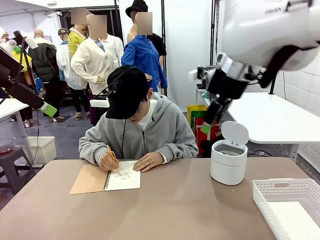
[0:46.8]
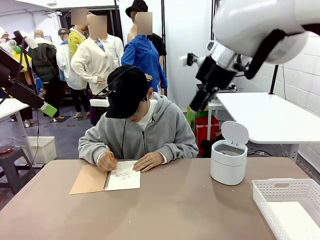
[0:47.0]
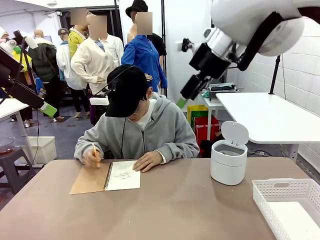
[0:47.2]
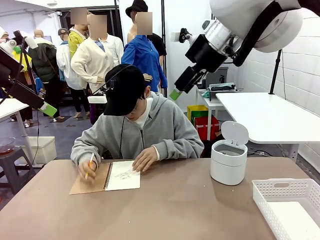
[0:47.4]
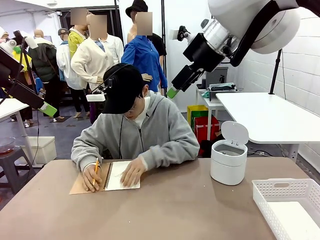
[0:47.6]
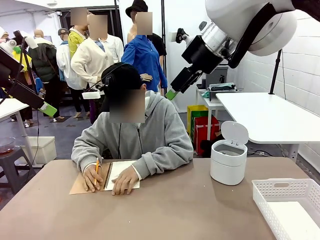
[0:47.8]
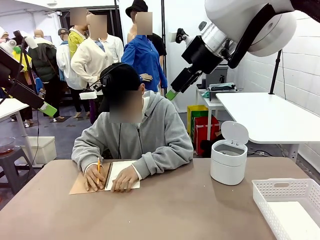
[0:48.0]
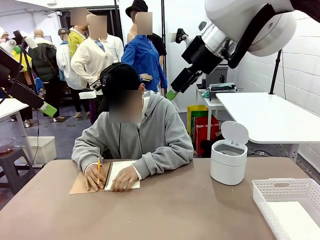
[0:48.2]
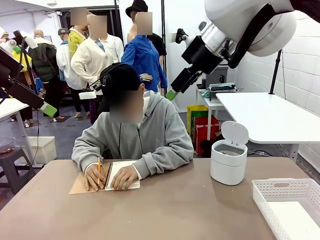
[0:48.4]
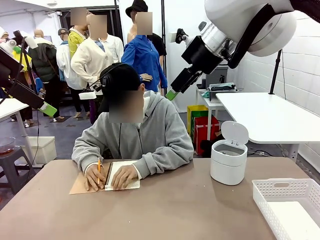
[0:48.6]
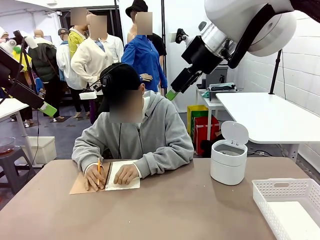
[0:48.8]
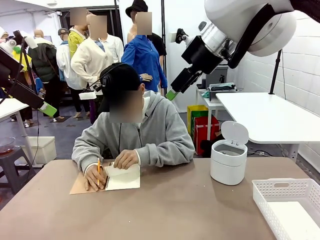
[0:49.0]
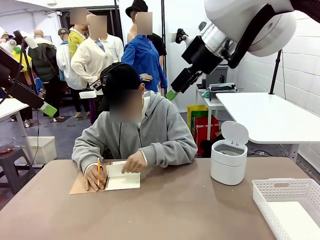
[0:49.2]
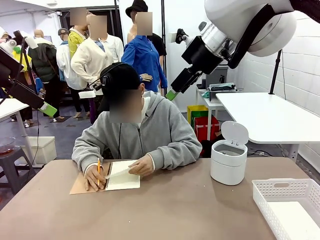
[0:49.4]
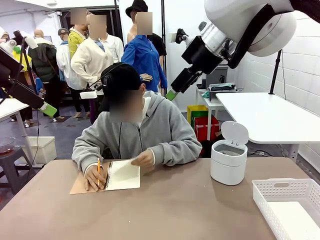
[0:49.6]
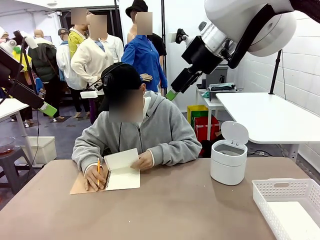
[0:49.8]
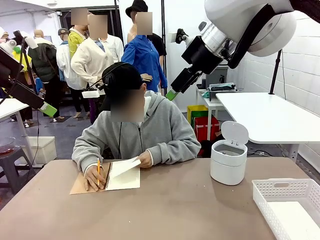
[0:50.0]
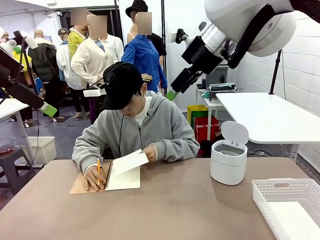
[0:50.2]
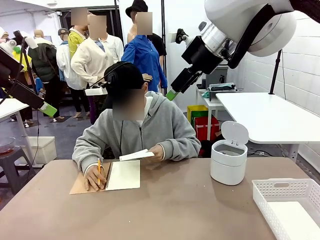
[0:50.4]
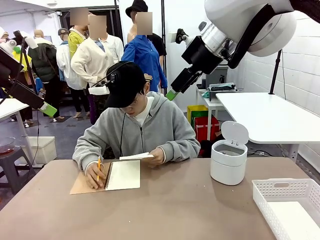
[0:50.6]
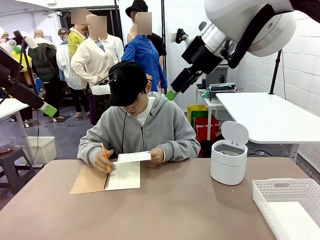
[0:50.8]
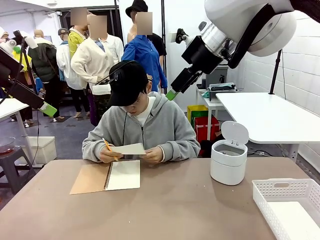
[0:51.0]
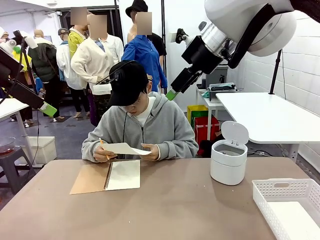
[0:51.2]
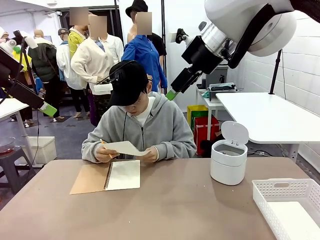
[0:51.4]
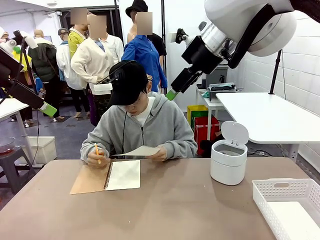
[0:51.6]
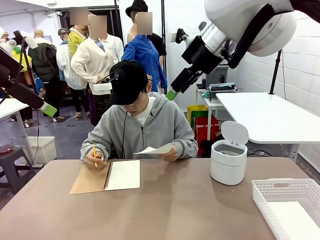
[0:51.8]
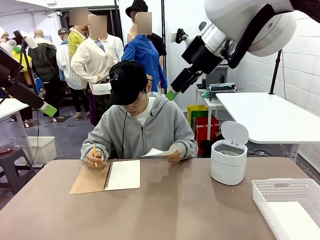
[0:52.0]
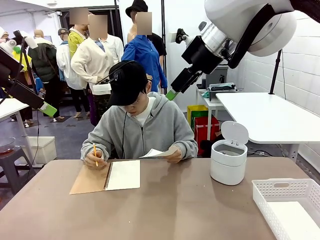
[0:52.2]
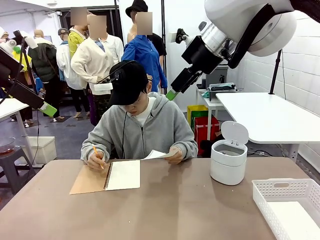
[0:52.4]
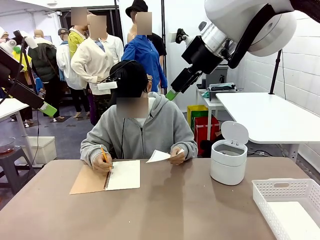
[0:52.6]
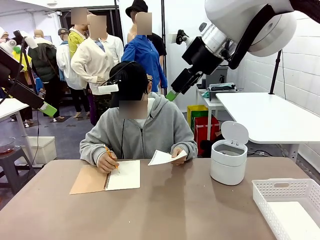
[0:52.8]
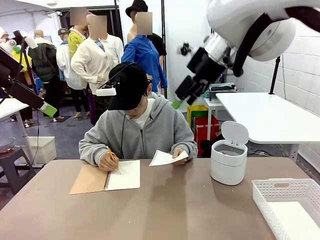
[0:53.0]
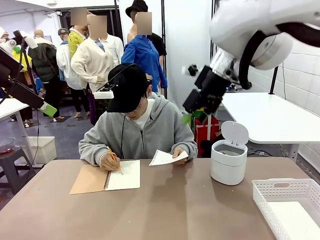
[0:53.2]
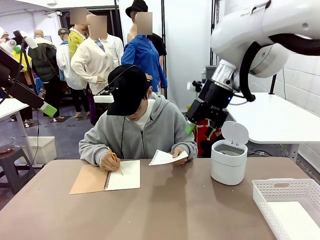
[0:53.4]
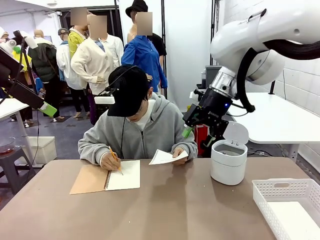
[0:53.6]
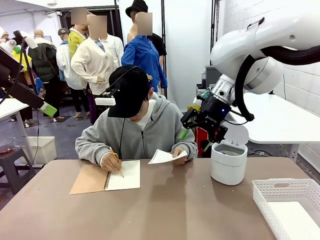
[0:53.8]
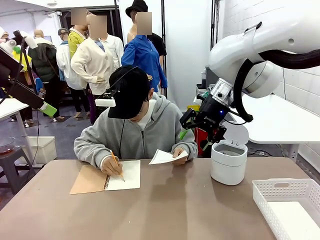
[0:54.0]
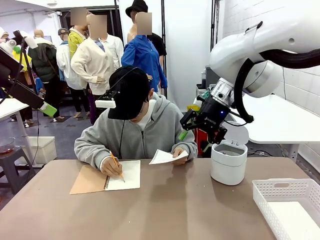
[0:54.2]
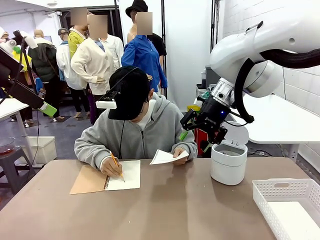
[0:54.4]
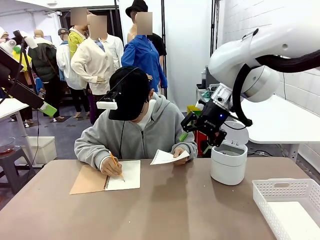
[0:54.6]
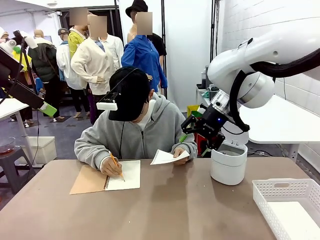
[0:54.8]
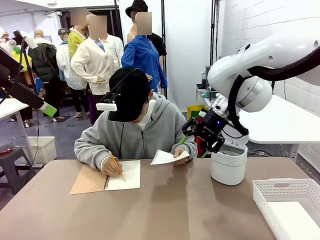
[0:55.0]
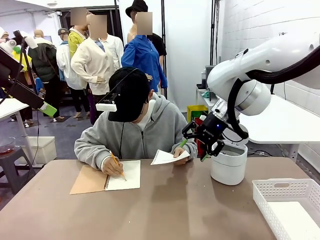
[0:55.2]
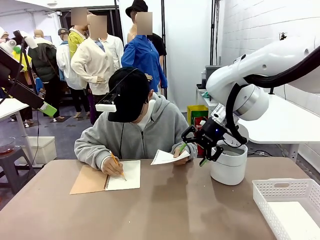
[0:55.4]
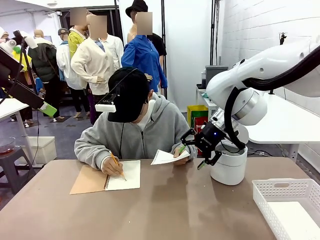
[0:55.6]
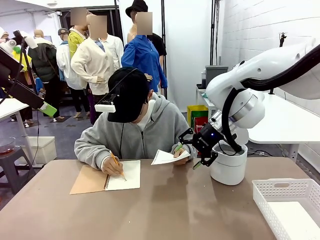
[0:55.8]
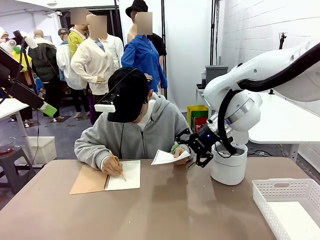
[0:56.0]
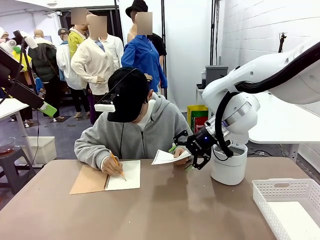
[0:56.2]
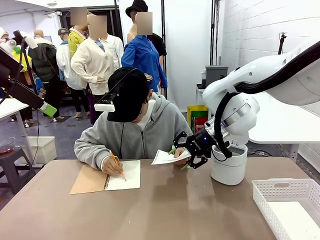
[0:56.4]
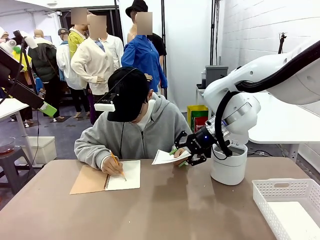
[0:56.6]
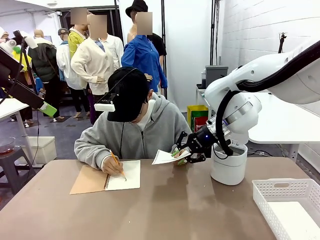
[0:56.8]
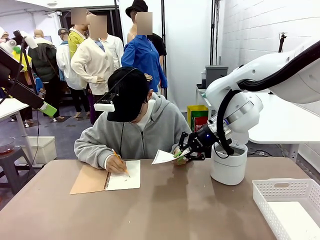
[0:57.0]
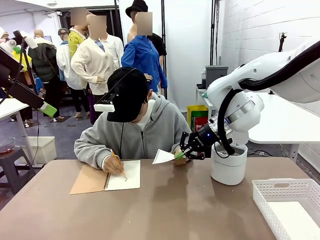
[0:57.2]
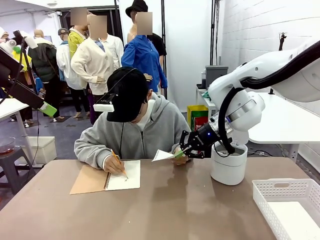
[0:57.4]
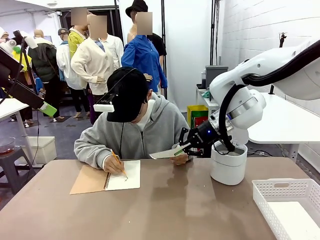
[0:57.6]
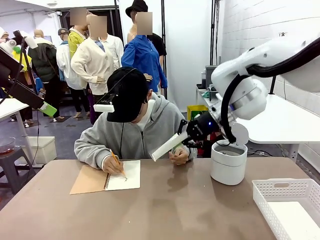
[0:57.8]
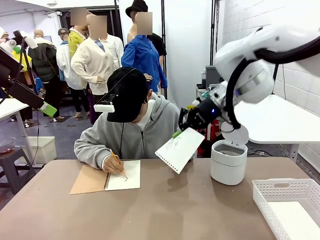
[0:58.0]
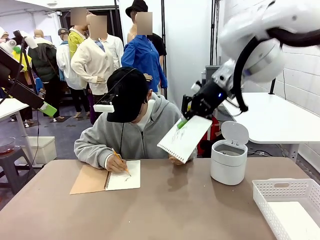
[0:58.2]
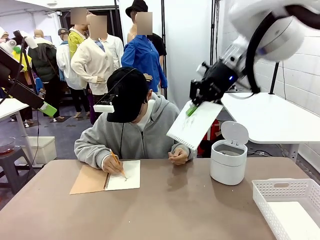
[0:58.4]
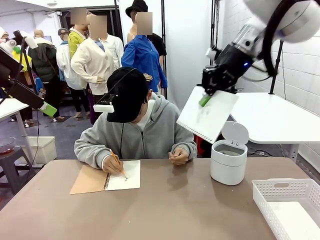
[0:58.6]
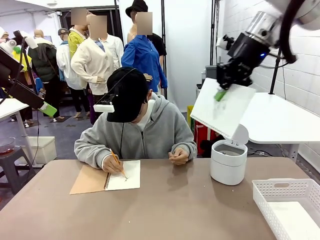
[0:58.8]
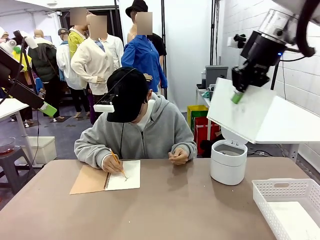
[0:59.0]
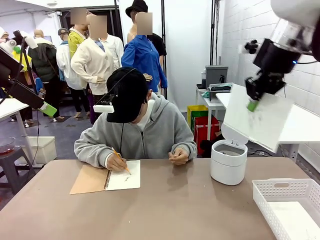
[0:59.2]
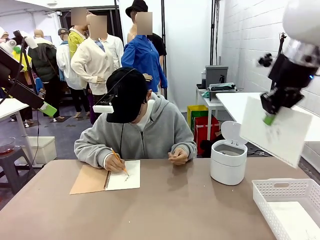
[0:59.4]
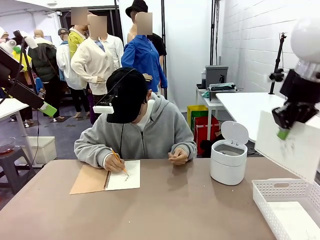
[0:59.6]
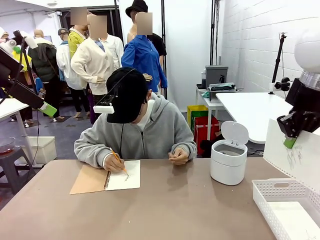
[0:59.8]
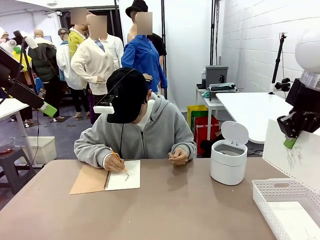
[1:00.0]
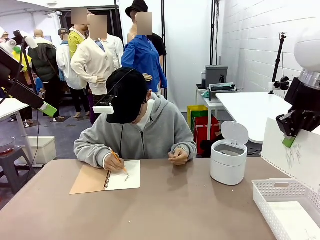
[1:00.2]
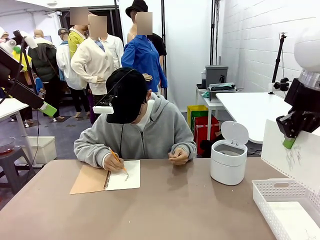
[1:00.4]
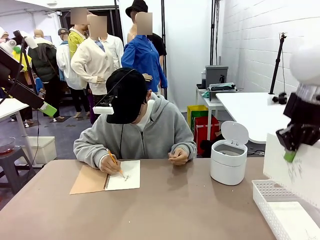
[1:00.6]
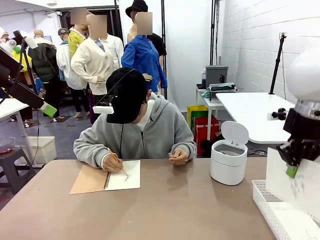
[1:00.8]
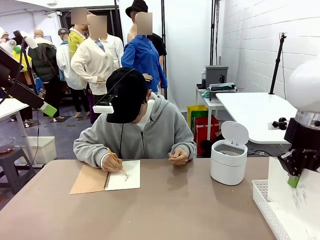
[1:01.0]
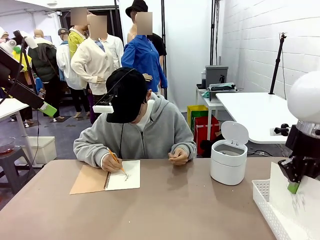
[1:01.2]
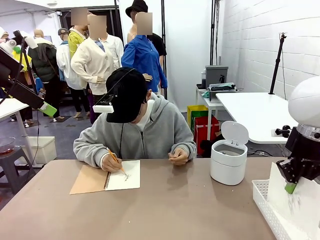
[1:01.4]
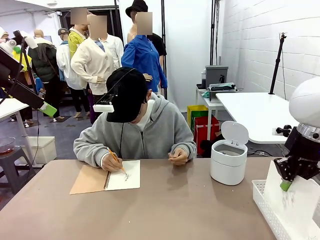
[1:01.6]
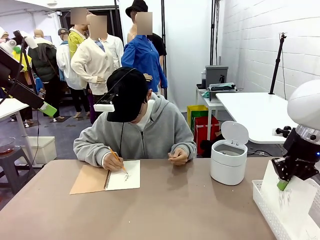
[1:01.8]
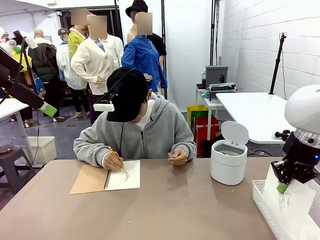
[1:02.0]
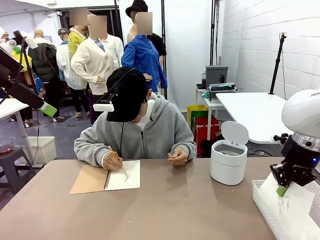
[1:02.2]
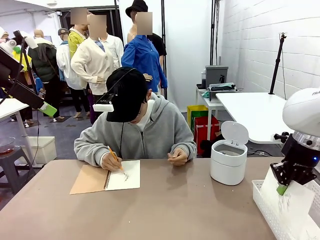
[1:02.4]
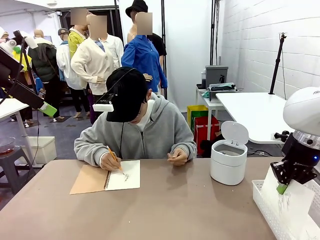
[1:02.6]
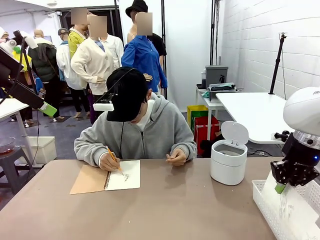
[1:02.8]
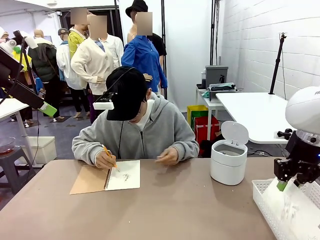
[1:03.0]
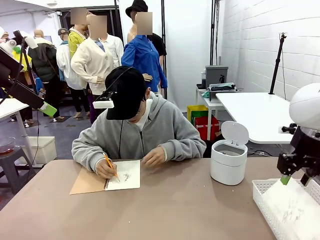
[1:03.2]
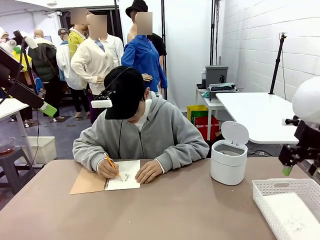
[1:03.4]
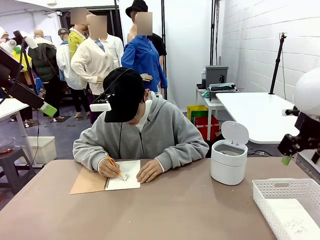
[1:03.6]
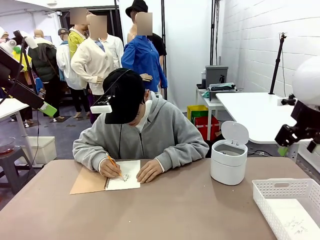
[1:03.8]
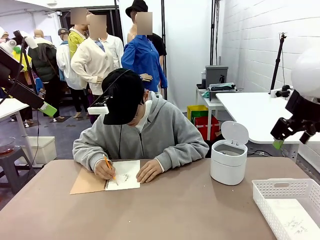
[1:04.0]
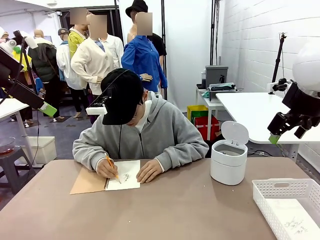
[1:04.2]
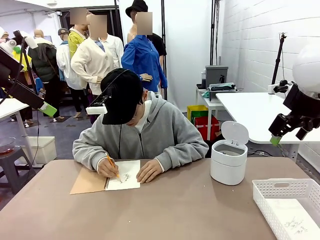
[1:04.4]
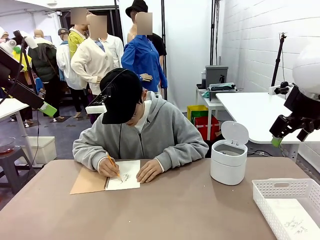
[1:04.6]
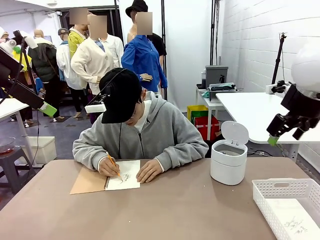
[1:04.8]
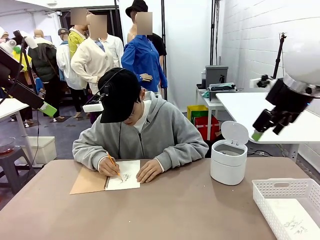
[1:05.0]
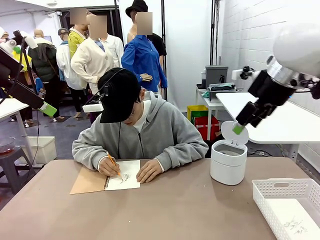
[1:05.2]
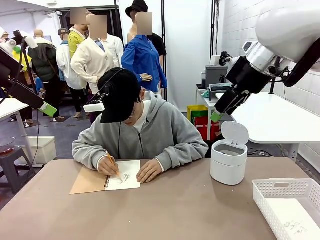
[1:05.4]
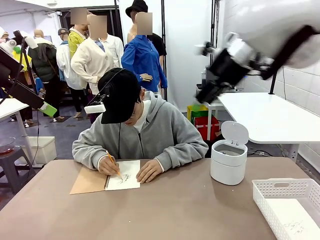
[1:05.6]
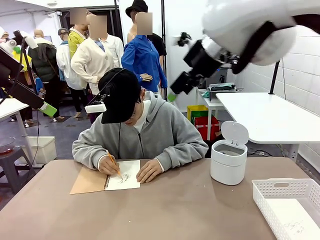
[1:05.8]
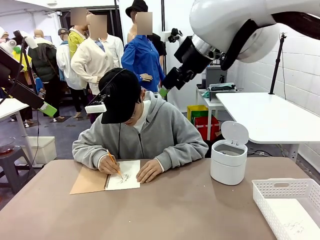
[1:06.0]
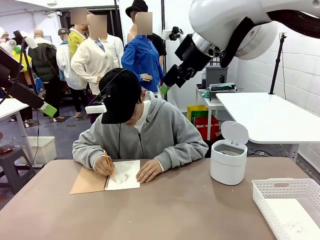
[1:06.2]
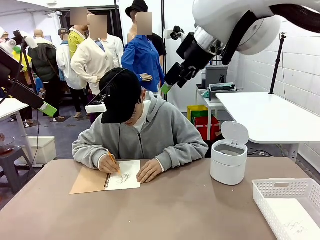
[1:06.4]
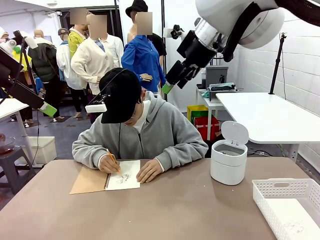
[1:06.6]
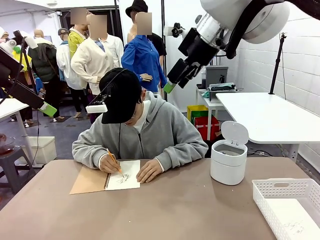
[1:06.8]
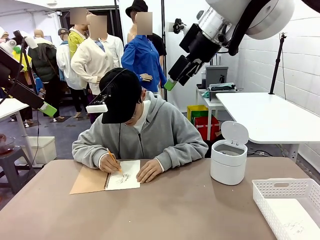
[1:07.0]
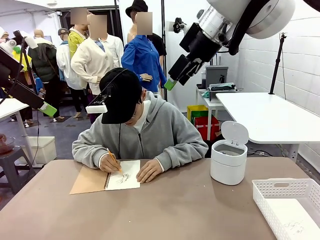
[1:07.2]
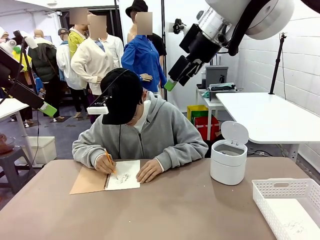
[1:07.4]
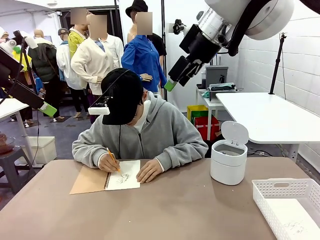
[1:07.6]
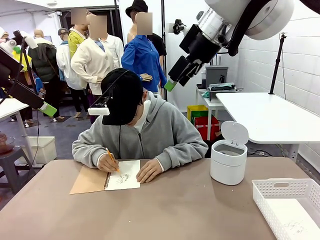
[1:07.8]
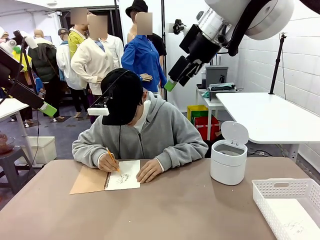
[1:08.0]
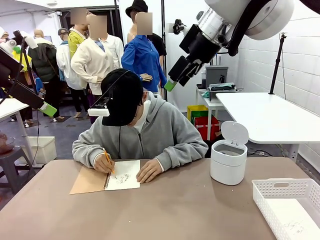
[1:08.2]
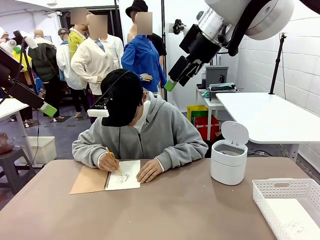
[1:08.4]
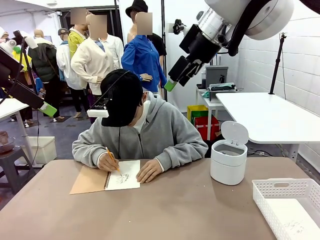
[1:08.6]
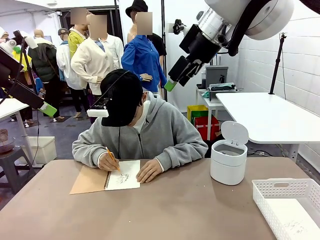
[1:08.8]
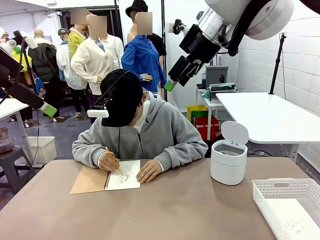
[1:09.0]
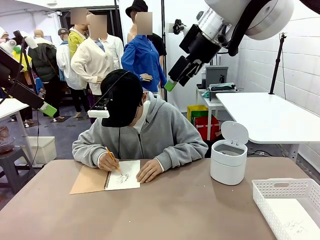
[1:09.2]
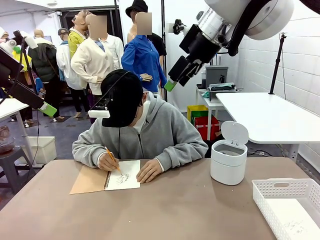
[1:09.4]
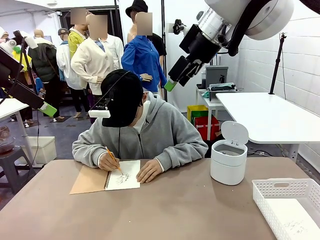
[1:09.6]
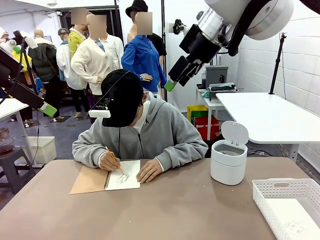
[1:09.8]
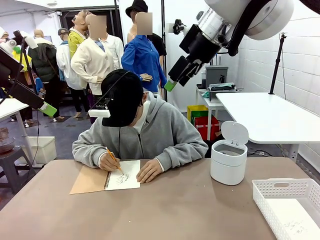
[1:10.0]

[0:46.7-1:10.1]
Task: Sort the paper based on its condition.
Robot: If a person hands you a paper, place it in the Organizing basket , and if it's crumpled, put it in the Trash can.
Person: Hand the torn page to the robot or crumple it and throw it to the center of the table.
